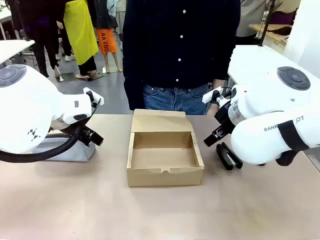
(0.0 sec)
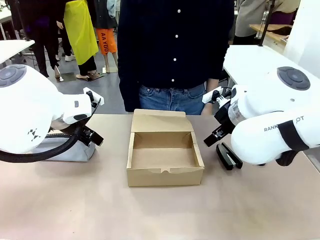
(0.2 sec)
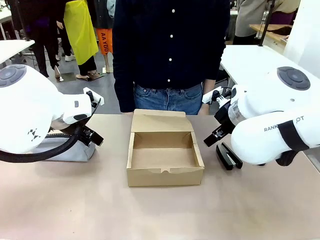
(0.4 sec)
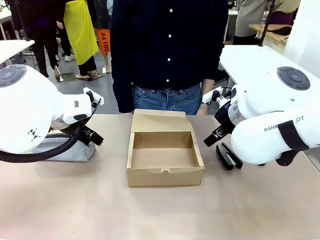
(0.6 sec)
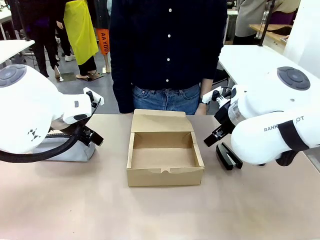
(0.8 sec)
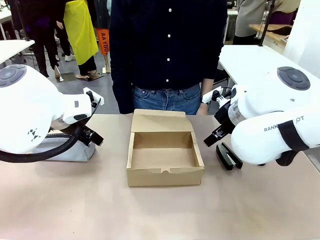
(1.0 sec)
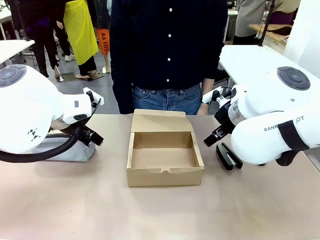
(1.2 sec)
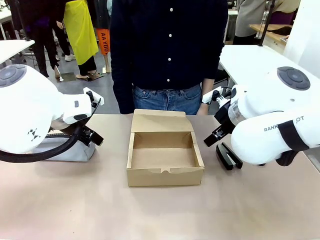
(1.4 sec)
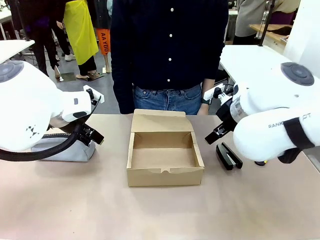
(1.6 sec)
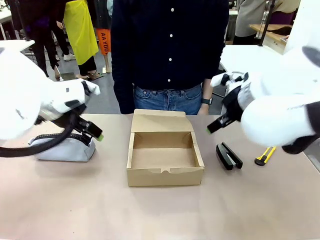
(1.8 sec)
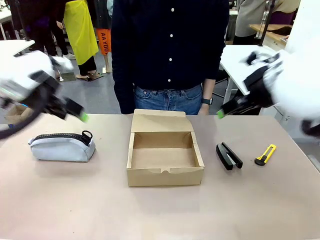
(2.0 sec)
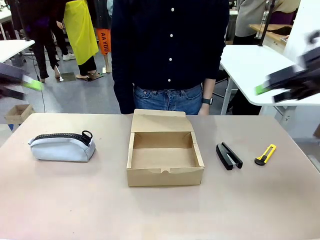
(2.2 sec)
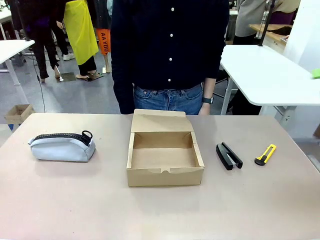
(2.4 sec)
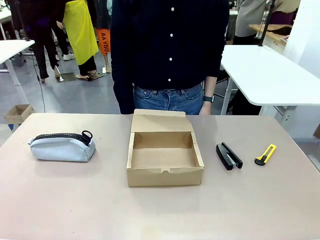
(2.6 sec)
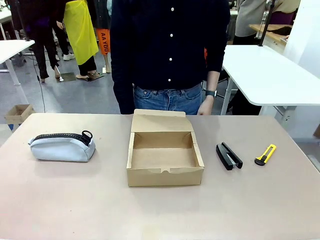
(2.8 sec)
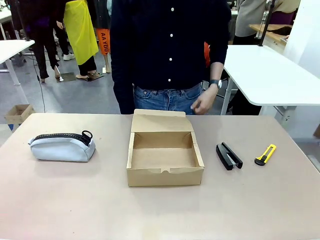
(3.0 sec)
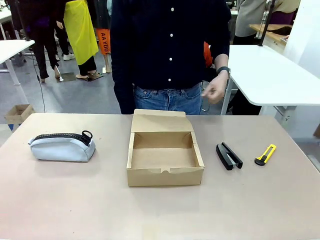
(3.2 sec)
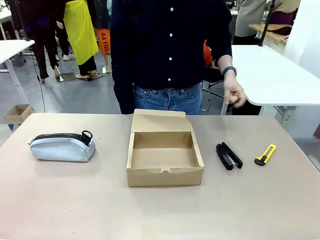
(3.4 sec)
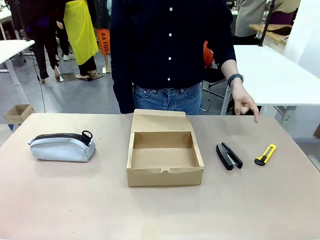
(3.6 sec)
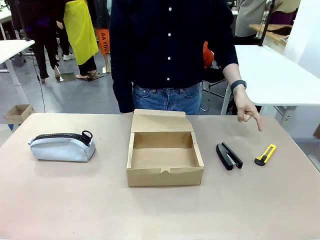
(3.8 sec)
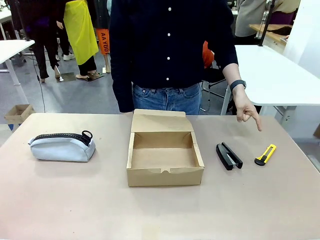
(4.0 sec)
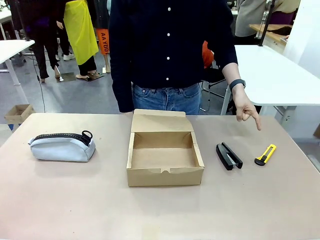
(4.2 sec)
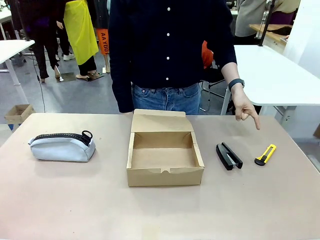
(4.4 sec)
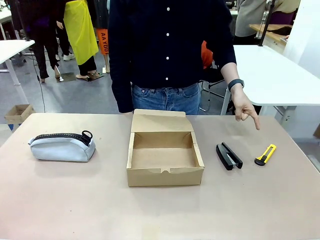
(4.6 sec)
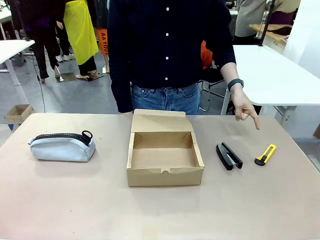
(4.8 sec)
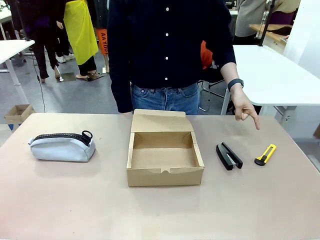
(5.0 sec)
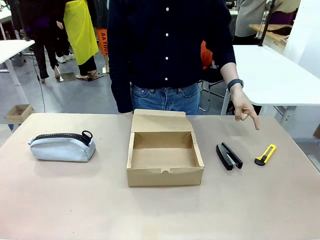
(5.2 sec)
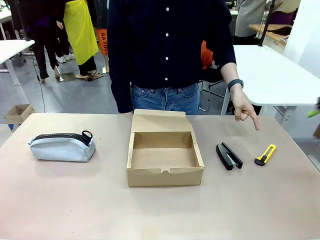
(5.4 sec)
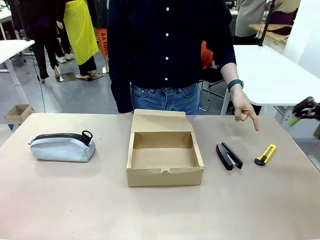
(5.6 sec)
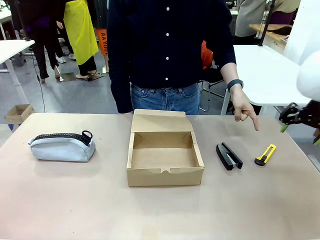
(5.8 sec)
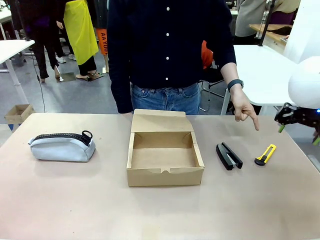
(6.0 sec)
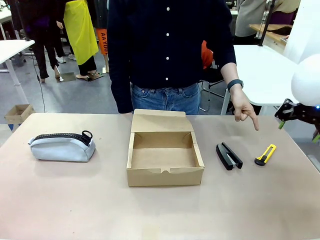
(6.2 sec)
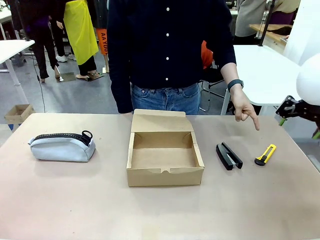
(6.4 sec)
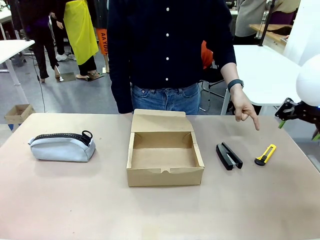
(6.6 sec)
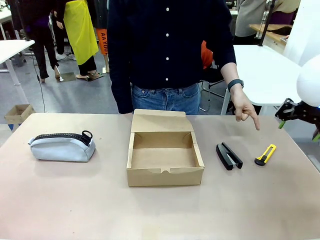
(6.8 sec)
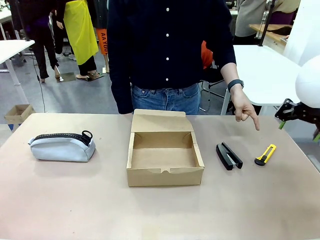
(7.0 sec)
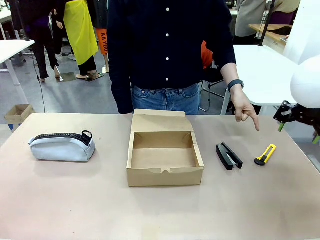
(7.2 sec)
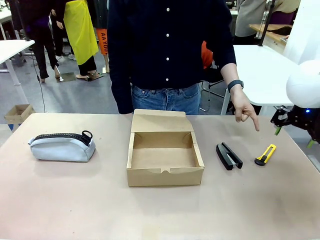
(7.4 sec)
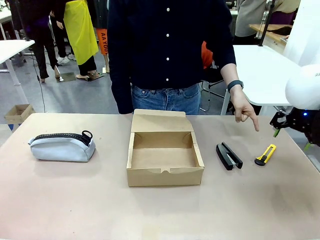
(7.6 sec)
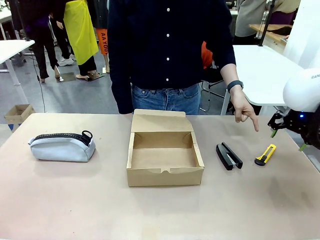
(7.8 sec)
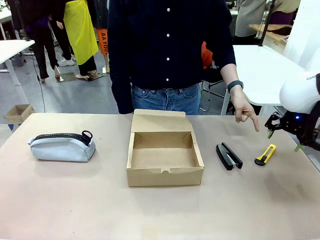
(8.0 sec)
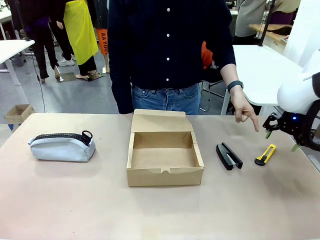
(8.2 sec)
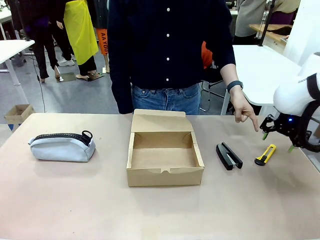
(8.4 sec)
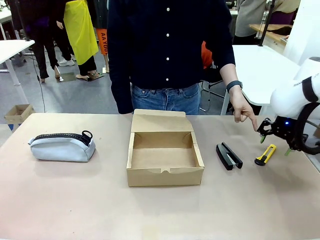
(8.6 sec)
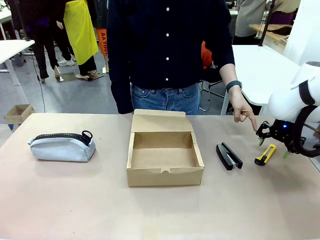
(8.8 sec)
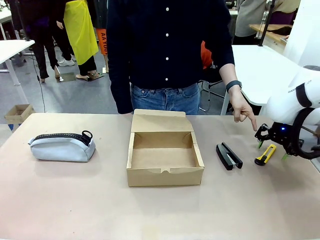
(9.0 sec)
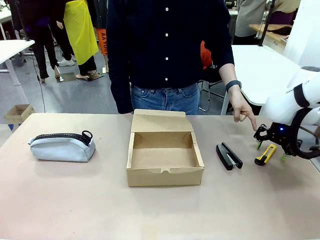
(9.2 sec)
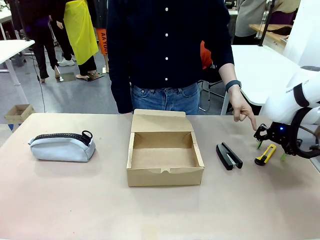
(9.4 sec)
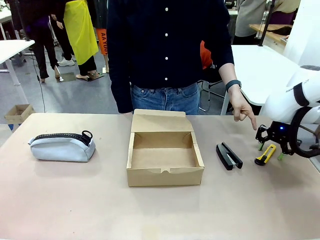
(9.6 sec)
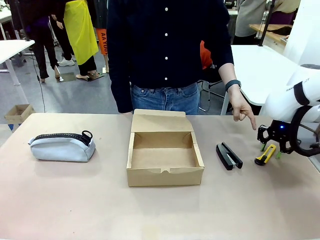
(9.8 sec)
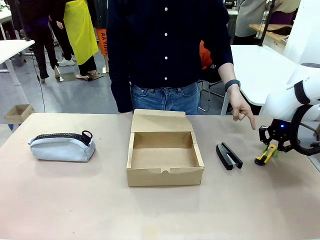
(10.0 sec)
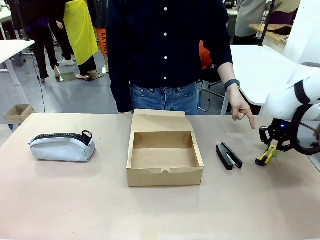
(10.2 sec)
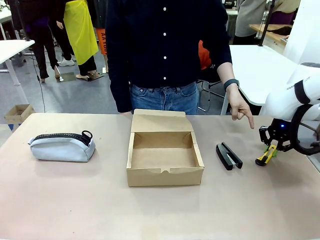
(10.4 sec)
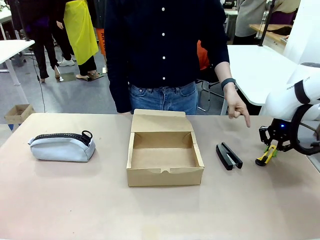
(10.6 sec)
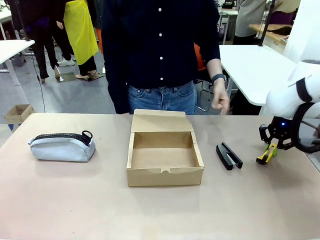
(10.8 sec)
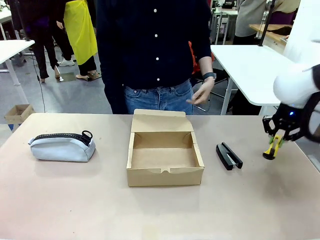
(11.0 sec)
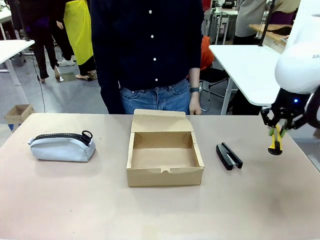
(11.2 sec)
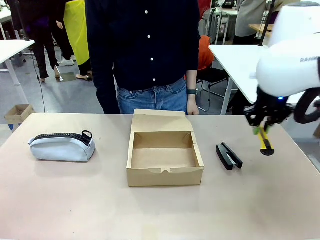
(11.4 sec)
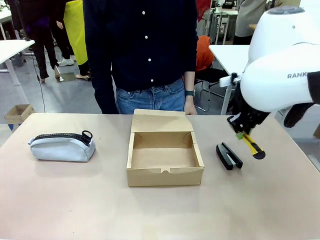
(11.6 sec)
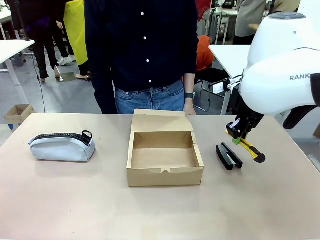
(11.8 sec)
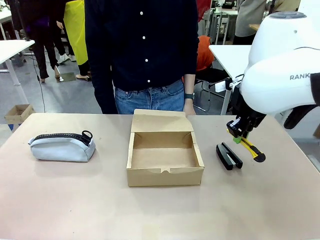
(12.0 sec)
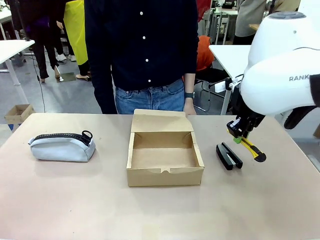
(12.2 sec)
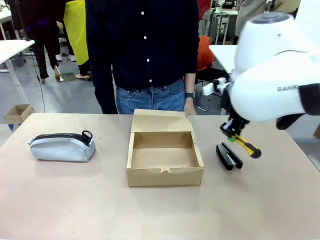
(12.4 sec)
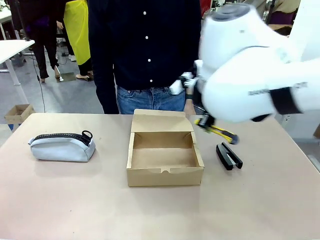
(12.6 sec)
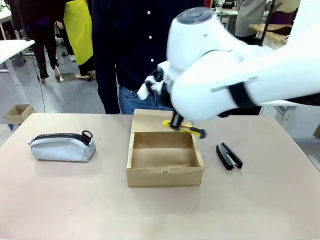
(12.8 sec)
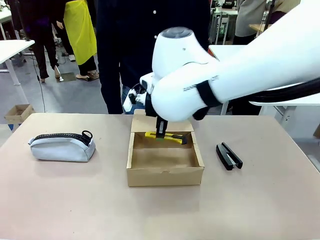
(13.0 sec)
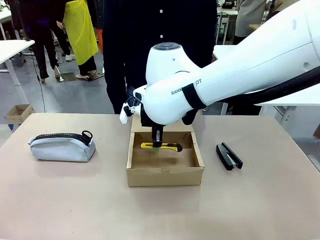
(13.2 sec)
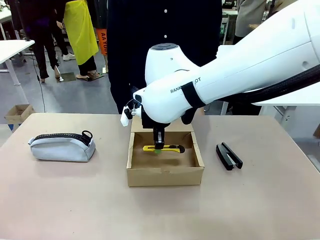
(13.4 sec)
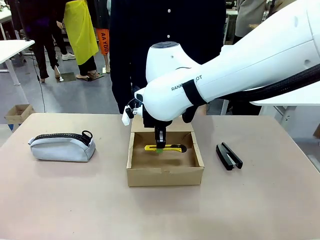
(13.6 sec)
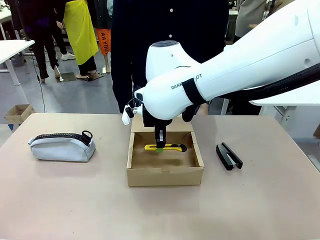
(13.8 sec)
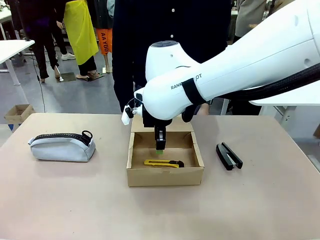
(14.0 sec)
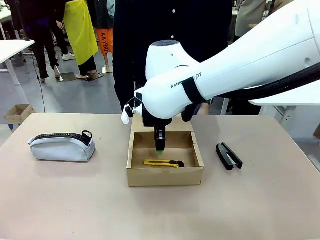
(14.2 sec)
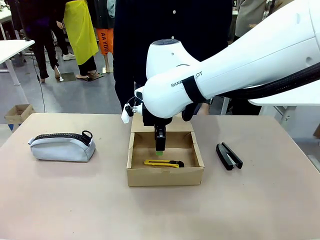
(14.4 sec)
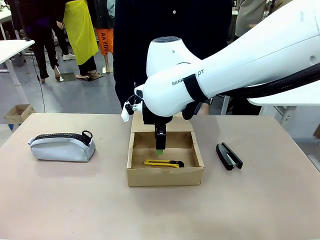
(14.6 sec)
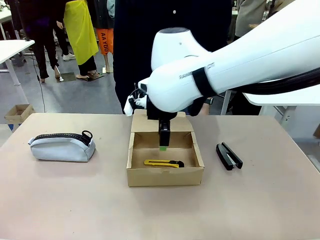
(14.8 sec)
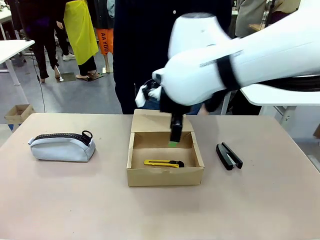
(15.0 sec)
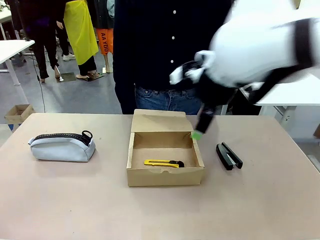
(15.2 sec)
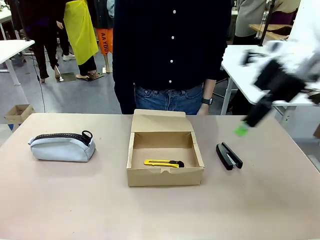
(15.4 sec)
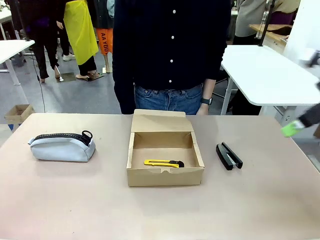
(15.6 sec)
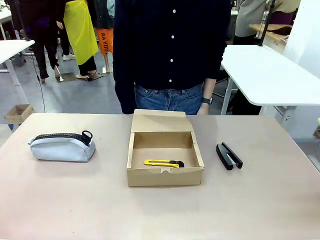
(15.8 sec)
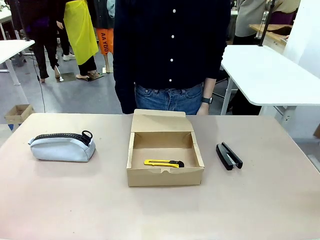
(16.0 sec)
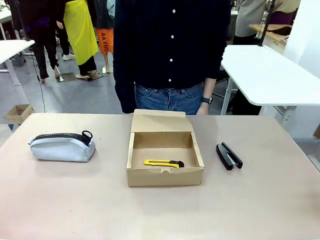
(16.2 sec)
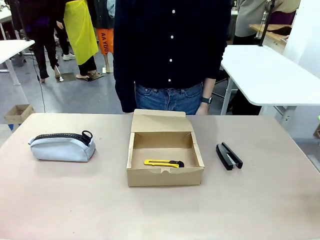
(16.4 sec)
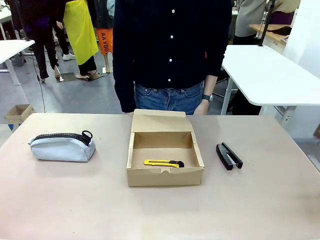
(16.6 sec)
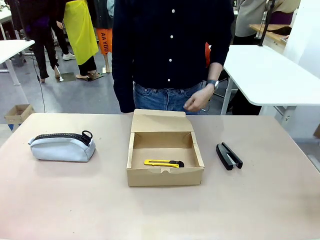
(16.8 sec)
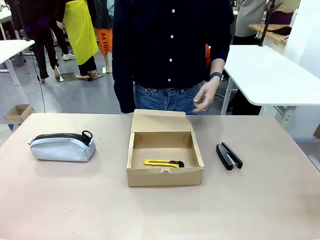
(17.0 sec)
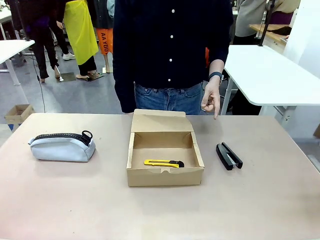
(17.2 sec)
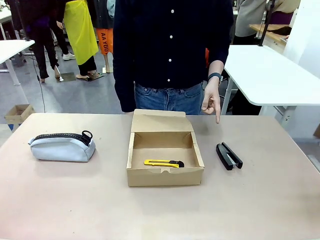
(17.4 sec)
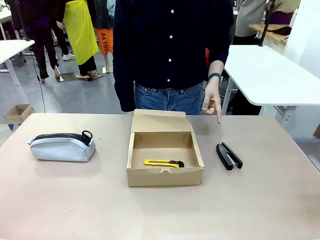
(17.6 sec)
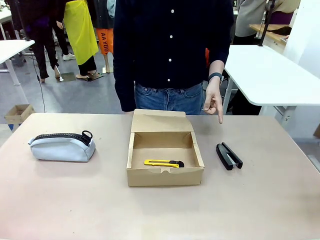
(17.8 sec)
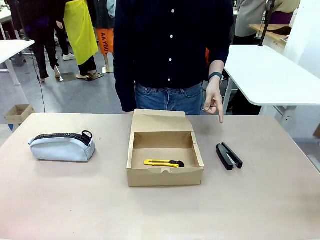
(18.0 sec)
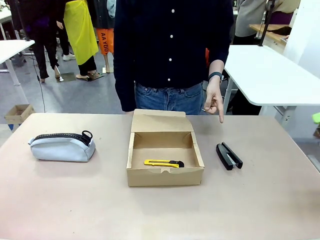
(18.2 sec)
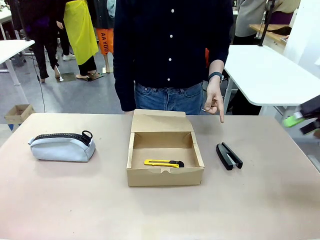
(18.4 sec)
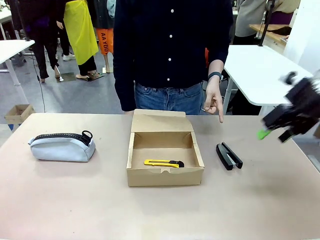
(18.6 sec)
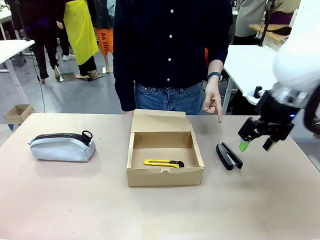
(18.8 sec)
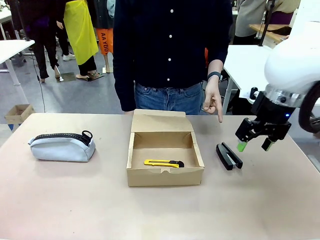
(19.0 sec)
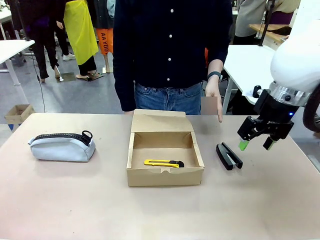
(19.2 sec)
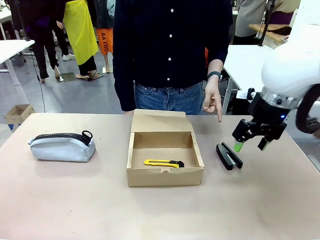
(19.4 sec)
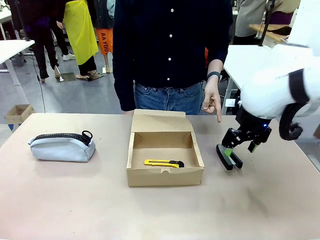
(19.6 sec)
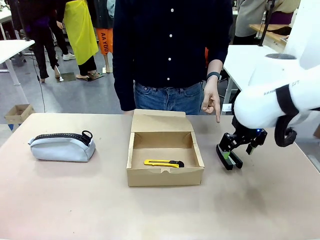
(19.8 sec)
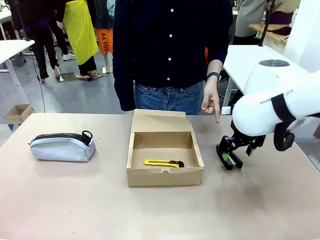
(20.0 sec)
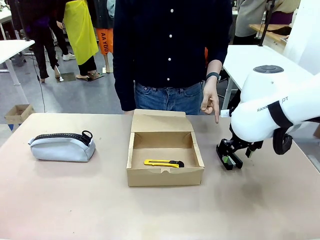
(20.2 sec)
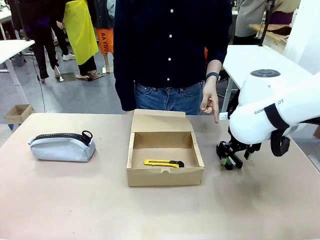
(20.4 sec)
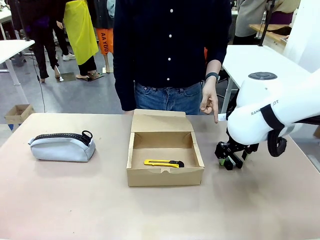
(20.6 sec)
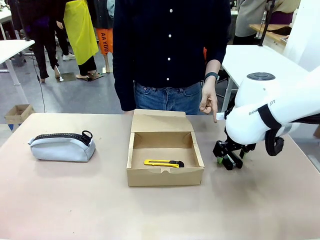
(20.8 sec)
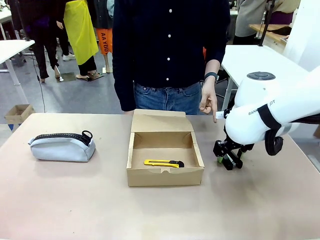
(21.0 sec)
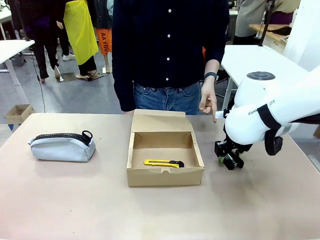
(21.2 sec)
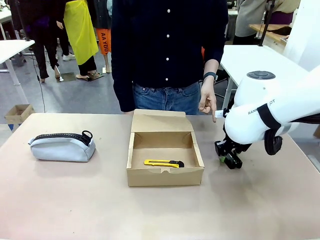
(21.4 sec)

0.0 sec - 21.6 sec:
Task: Pack the items into the box.
Robot: Pick up the item indicated by the person and place it inside the Mailer Box.
Person: Point at one item on the table (excluding the box).
